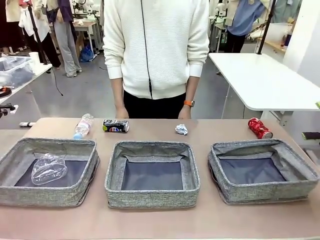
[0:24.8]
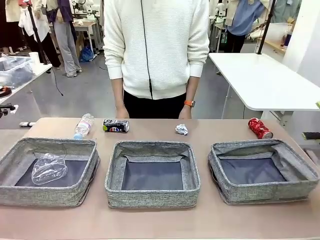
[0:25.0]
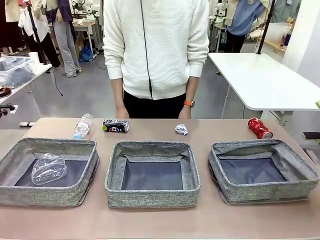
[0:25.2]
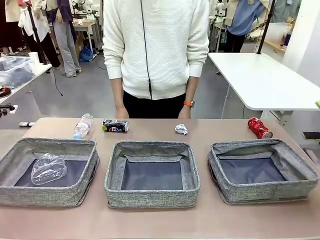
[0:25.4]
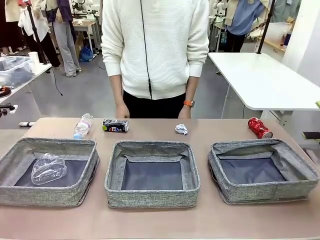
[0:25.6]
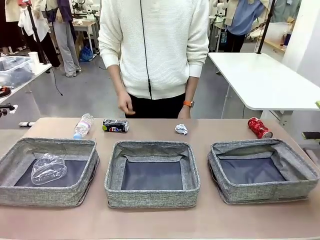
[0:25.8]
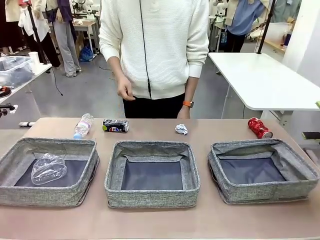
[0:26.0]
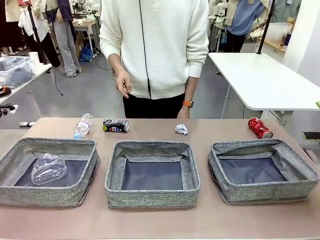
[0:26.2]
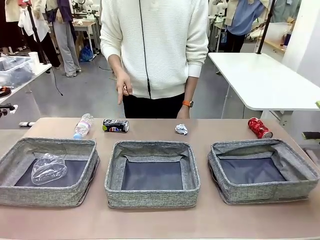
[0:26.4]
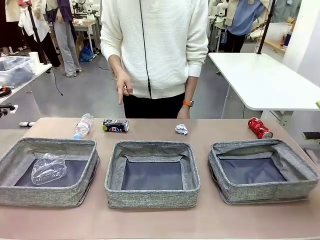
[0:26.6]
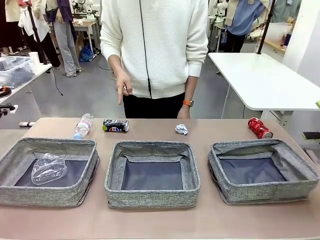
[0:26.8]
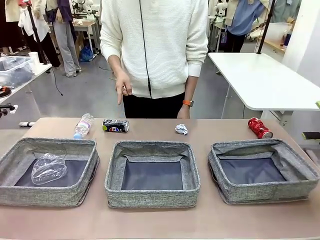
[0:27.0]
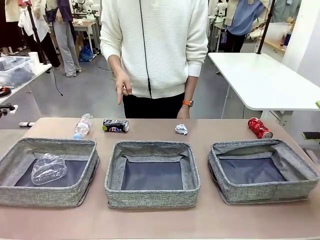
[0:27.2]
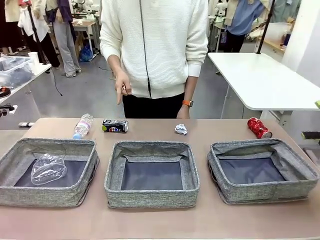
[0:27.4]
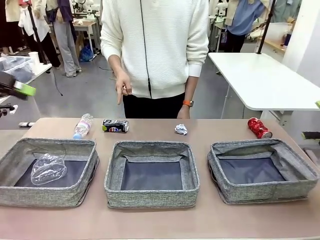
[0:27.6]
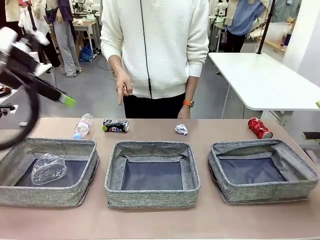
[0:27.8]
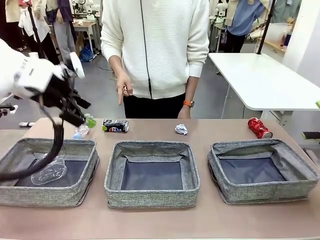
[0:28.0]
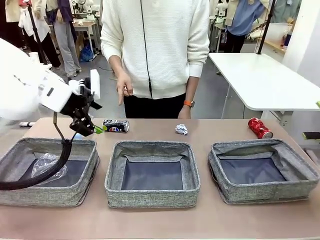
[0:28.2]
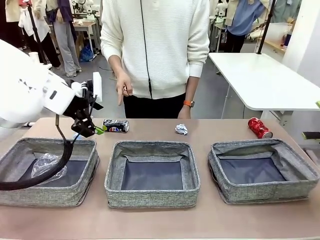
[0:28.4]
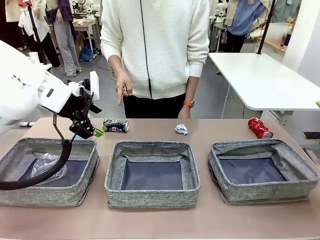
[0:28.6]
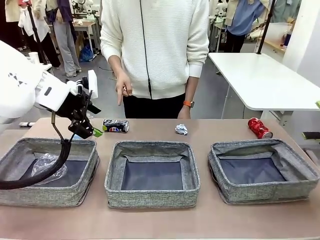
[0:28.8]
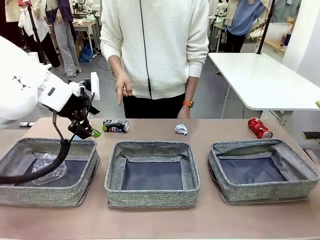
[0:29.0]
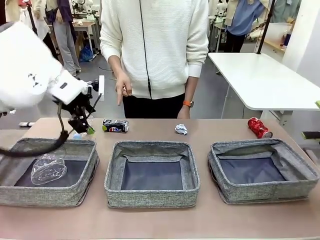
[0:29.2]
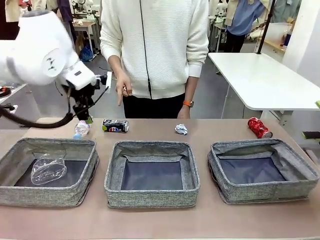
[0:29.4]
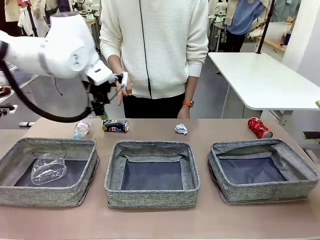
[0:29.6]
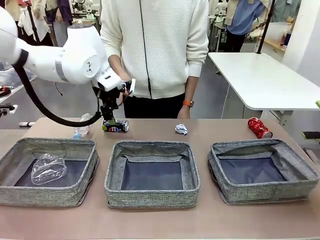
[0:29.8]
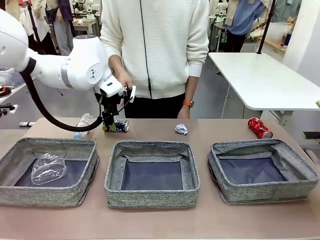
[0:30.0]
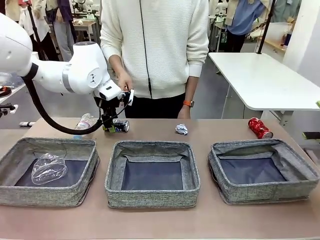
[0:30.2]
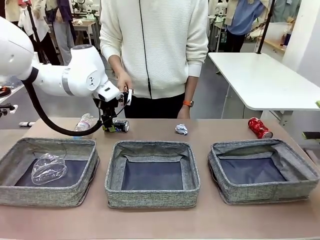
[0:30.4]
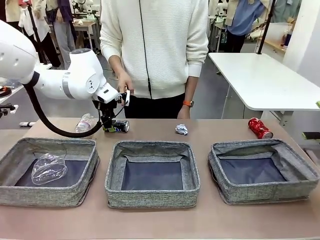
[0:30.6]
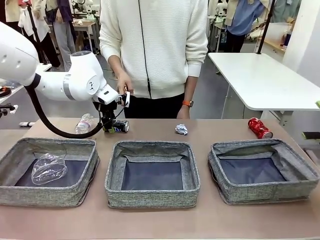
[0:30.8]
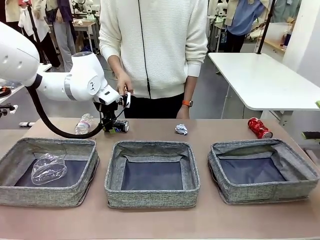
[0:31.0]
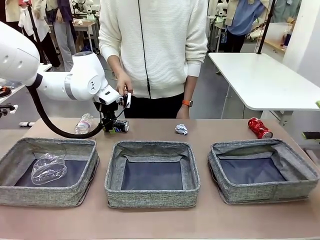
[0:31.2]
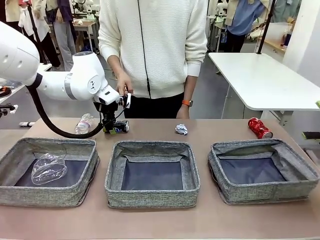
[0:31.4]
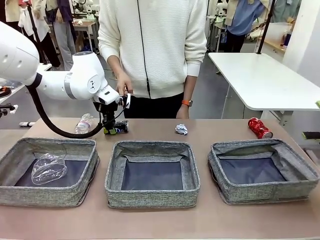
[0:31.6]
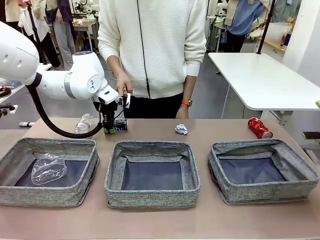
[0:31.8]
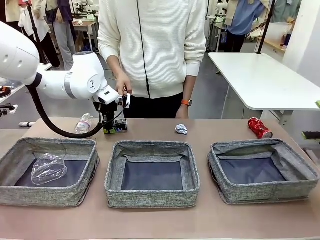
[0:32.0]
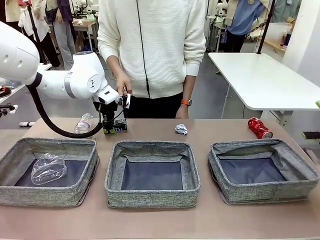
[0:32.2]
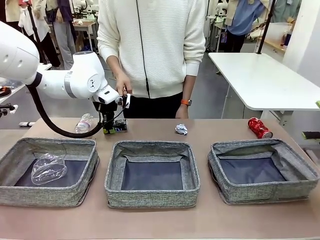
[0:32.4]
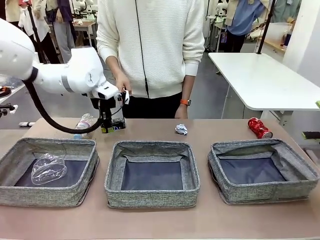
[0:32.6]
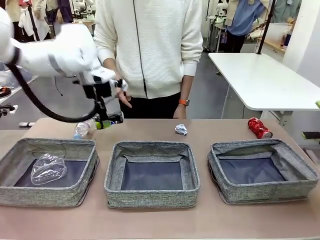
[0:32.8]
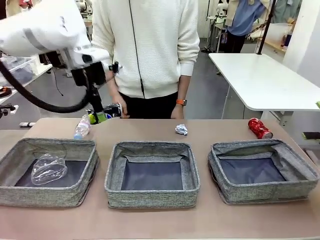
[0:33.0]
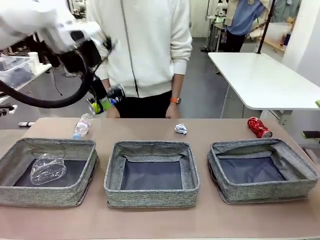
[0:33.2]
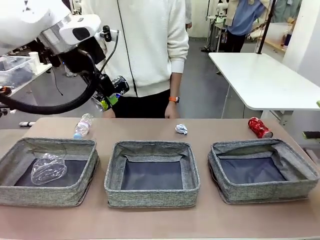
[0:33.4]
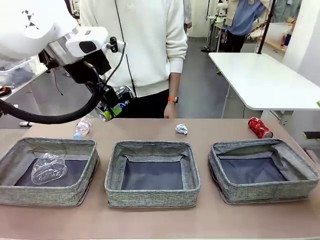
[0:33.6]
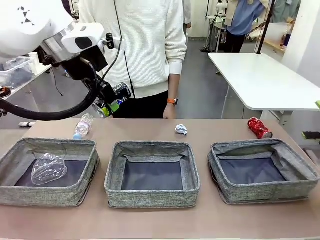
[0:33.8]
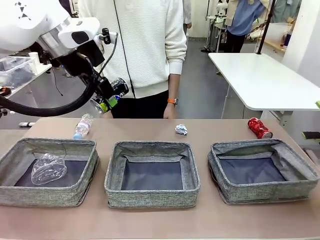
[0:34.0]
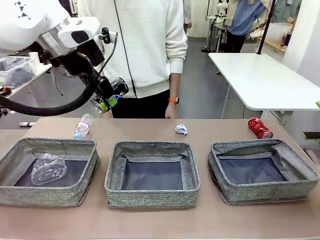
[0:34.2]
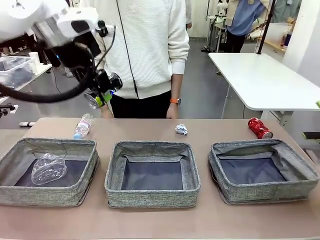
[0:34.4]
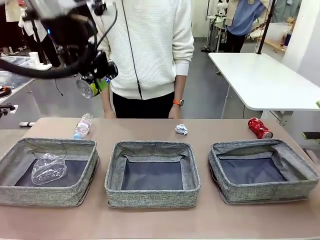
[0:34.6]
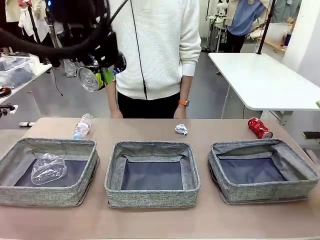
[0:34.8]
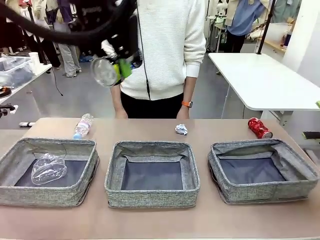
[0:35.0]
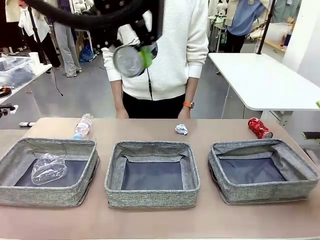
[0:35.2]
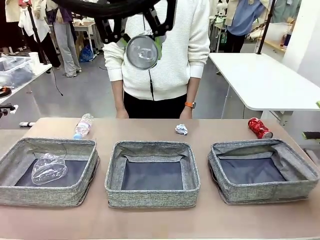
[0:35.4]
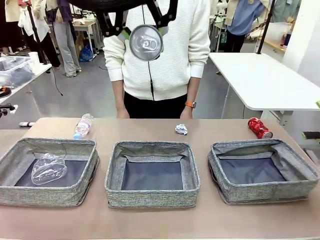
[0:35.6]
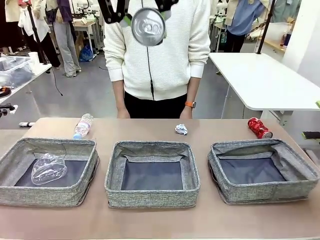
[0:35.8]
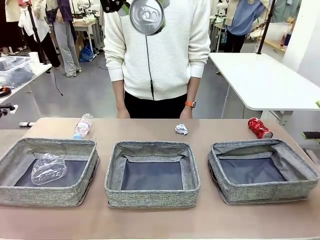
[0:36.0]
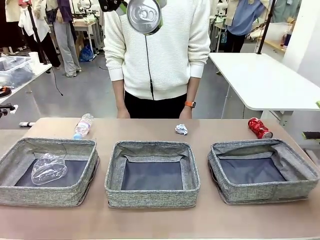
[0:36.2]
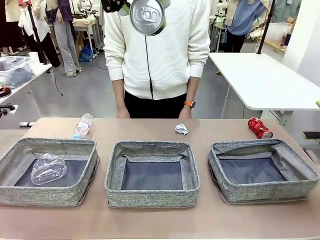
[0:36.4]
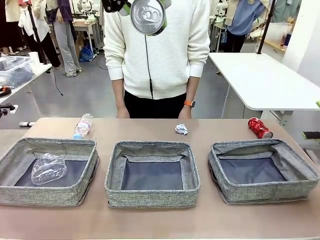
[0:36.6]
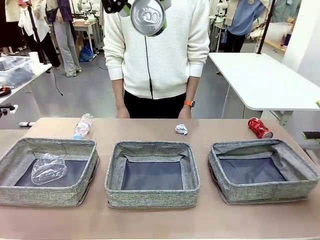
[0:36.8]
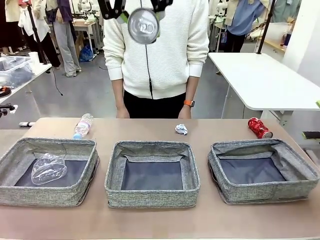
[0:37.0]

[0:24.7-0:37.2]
Task: Sort the waste into the appropriate baskets.
Robot: Pick up the waste item pointed out by the person.
Person: Points to one piece of trash on the table.

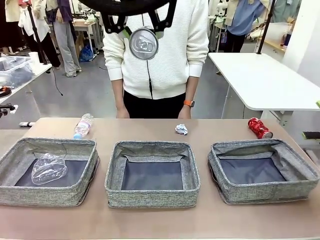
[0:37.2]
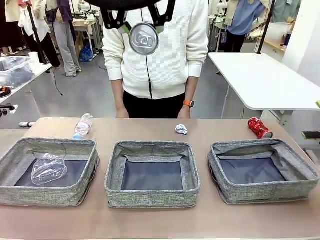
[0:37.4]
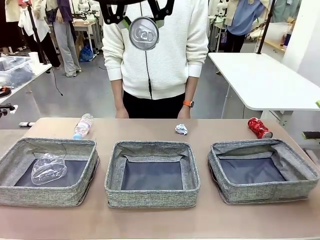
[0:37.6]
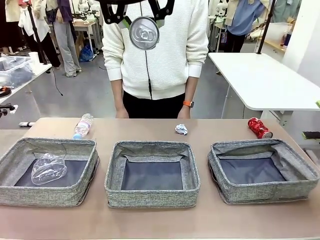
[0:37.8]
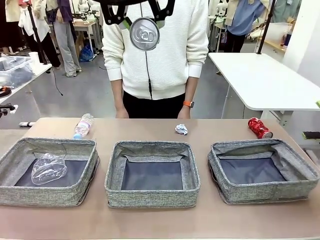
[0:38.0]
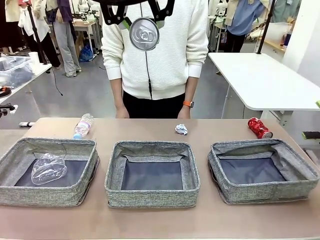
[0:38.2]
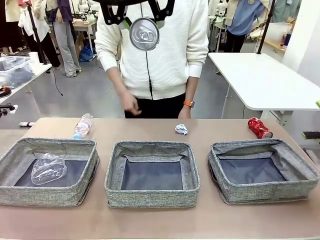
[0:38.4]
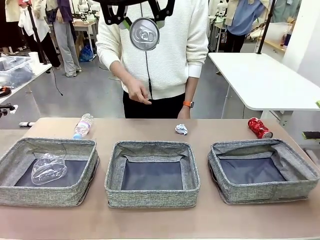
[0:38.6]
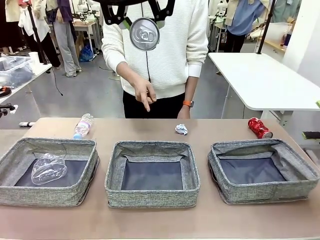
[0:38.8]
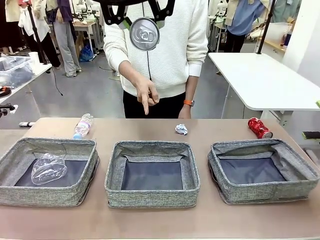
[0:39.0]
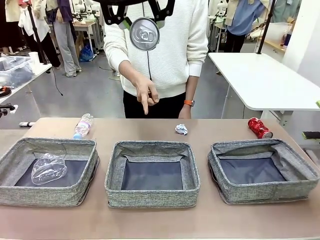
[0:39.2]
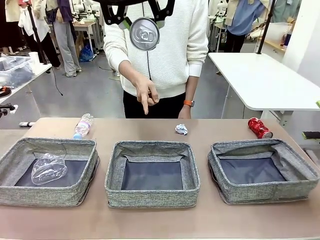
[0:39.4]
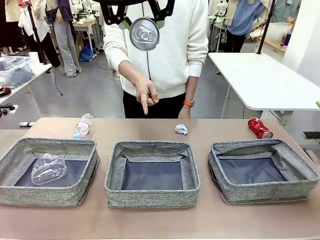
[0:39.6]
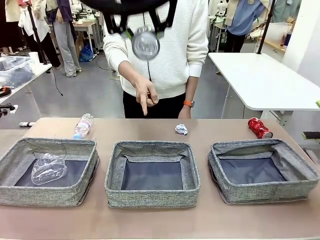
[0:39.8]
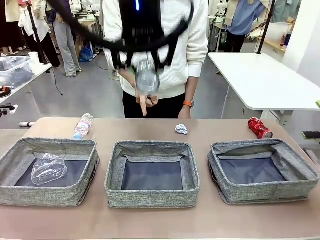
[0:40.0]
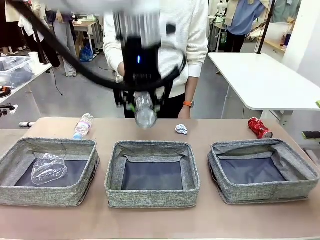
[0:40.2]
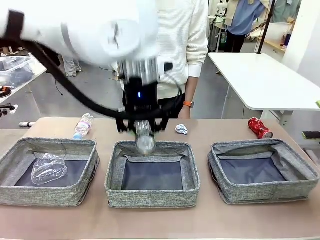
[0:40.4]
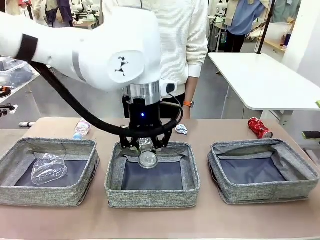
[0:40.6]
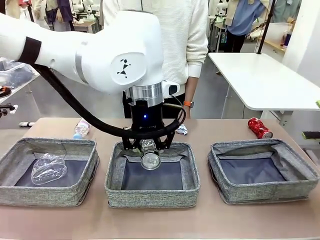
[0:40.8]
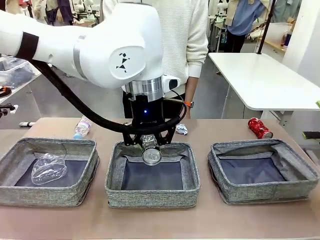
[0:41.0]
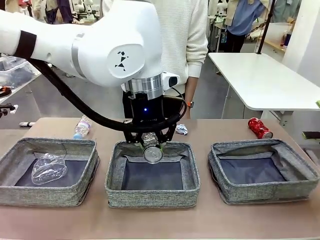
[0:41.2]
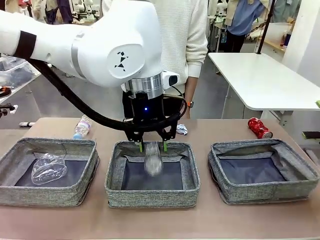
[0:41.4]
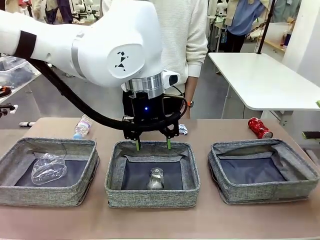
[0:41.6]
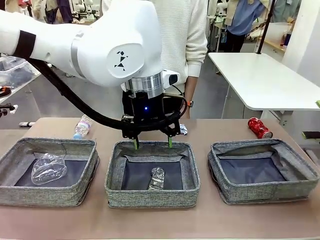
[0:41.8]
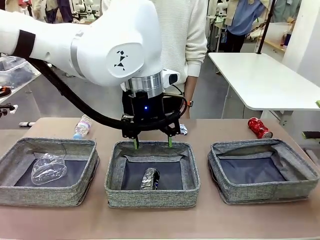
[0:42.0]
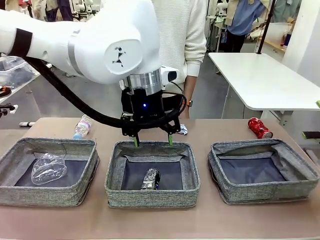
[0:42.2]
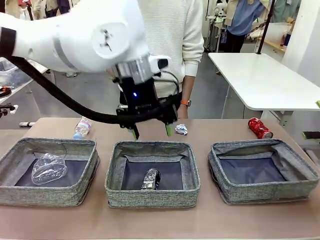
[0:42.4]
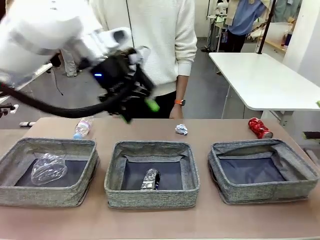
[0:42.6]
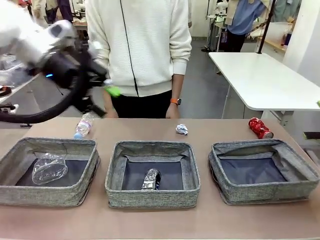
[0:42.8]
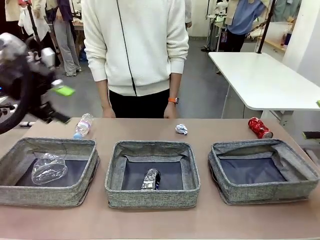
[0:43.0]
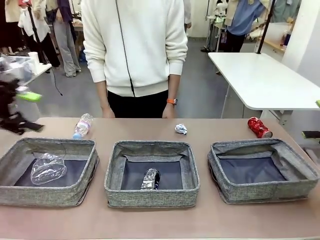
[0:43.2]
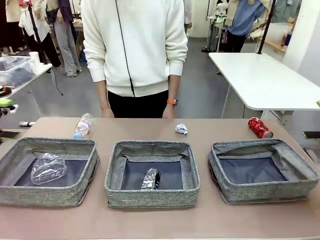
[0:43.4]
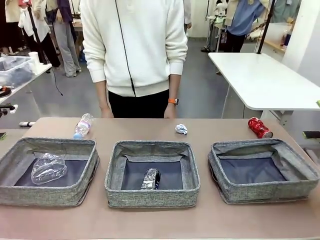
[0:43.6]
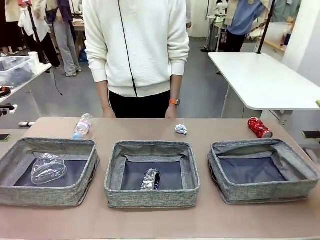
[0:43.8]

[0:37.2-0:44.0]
Robot: Place the picked waste into the Fabric basket indicated by the person.
Person: Instructs the robot to place the picked-up trash into the appropriate organizing basket.
